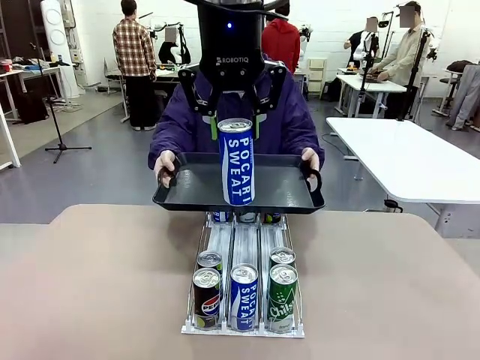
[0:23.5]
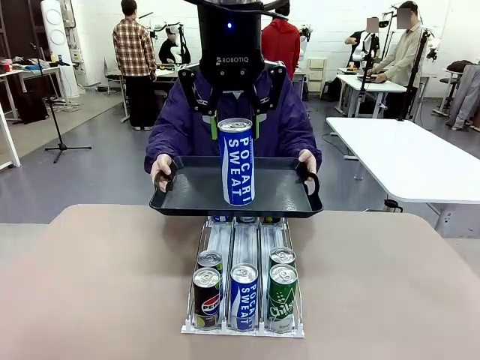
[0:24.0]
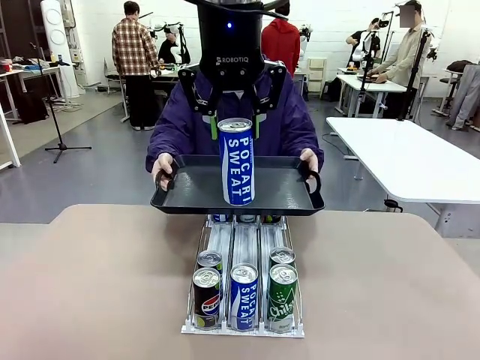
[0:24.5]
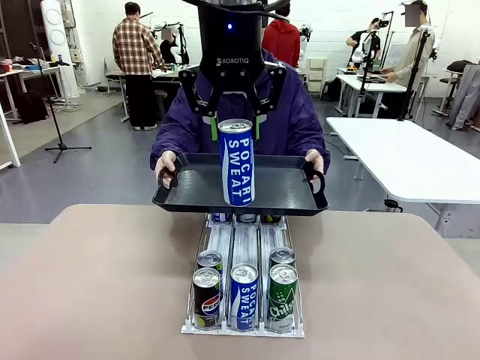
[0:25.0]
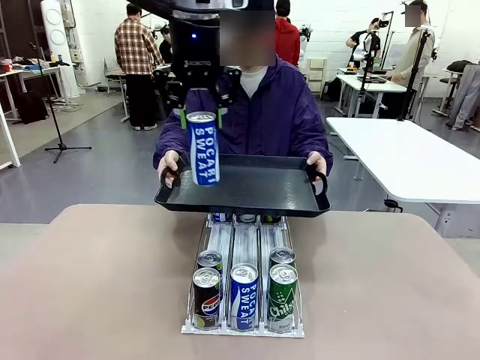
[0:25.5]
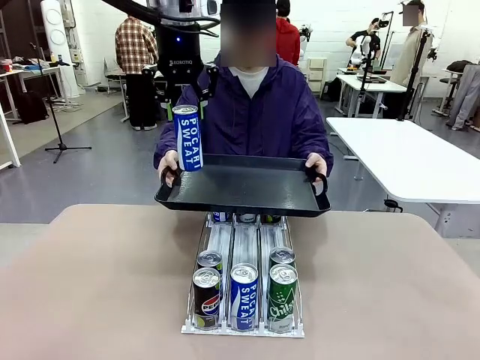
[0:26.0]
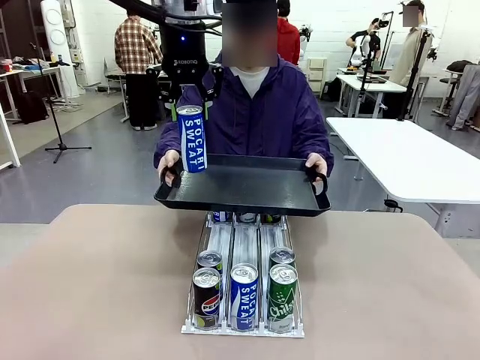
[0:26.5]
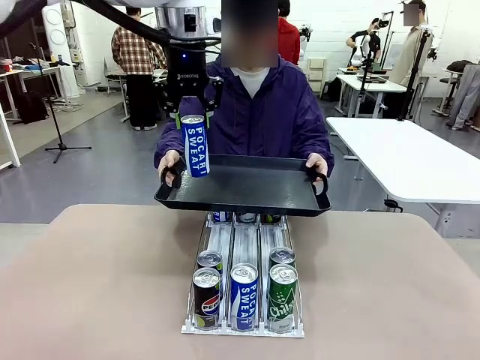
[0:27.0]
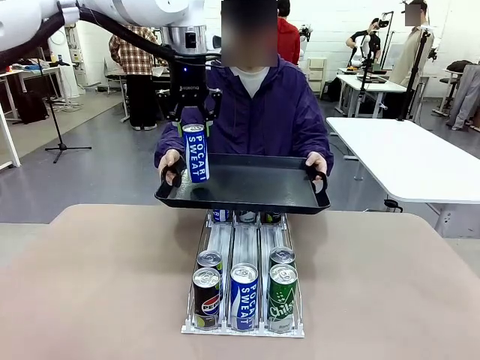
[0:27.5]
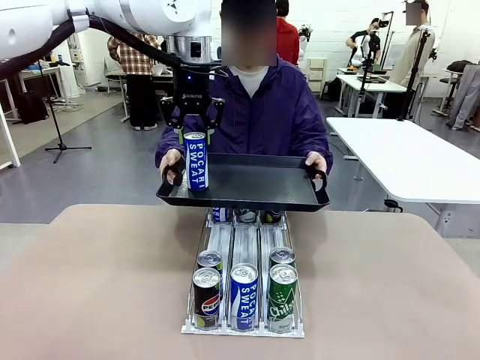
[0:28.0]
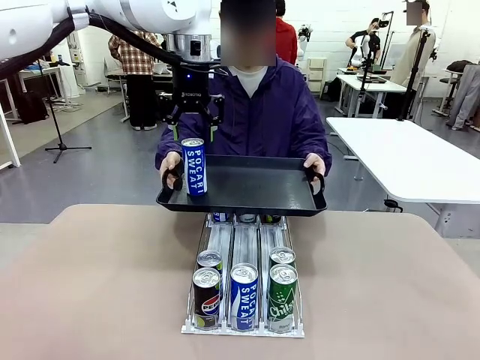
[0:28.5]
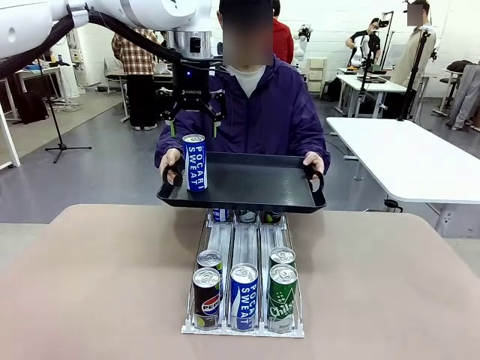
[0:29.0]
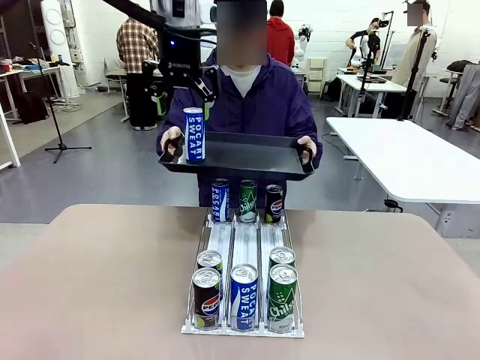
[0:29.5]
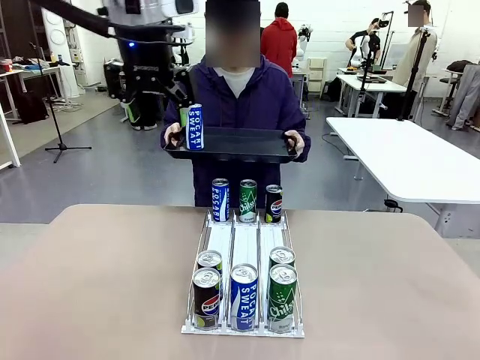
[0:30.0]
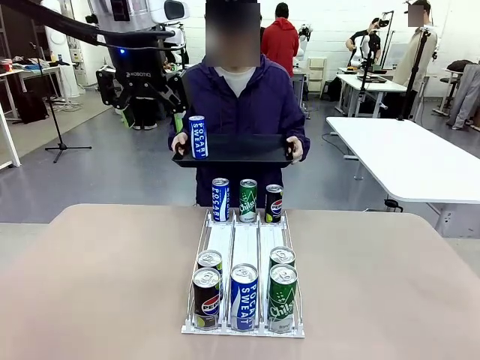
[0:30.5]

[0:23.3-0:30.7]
Task: Retrieve and hand over the desired beverage to the person.
Robot: Place the picked can on the Handle tray extended by the person.
Person: Pull the tray back, then pick up another can from the bottom area of the table and puts it back in its original place.

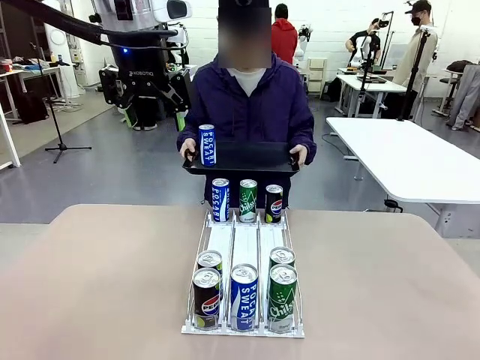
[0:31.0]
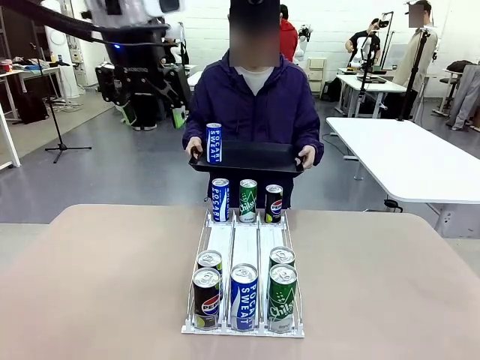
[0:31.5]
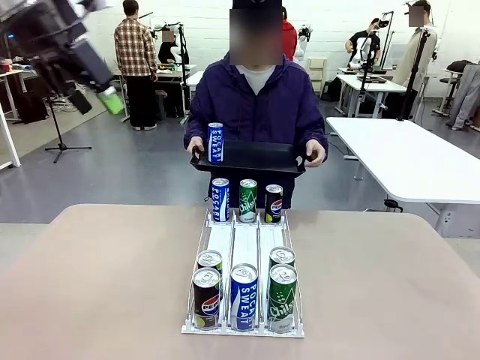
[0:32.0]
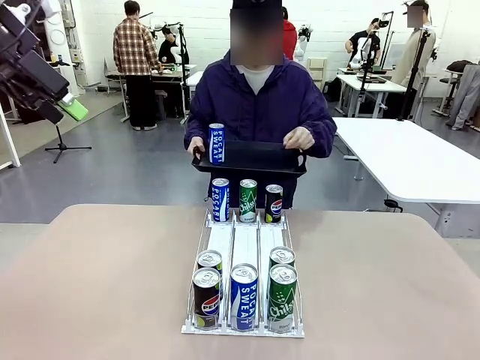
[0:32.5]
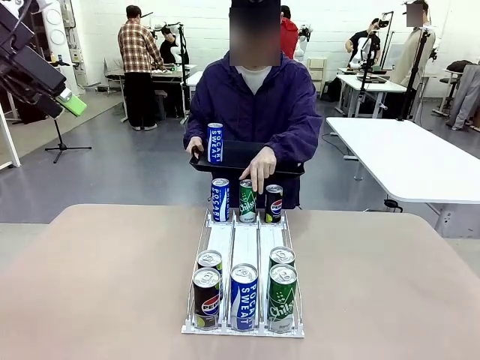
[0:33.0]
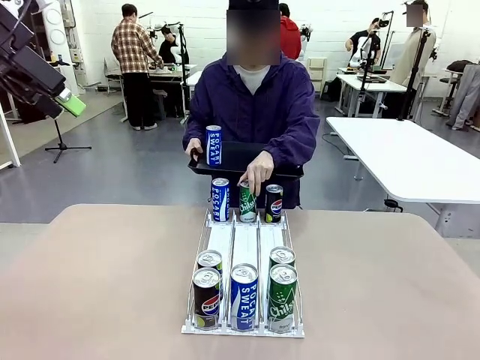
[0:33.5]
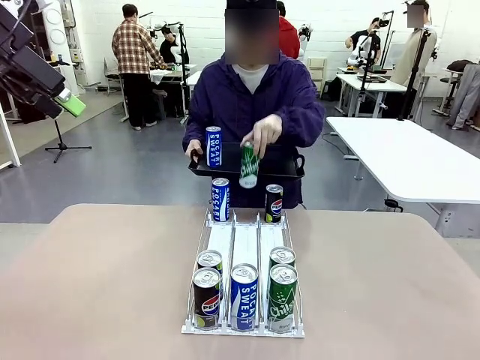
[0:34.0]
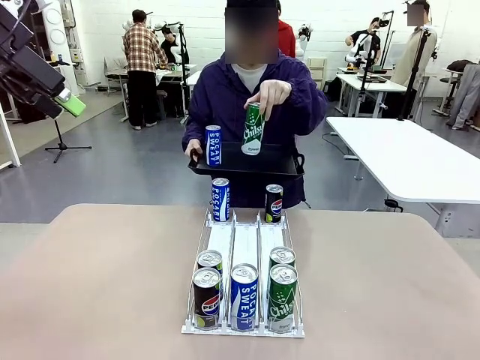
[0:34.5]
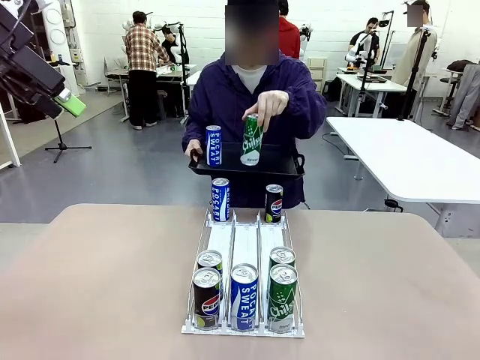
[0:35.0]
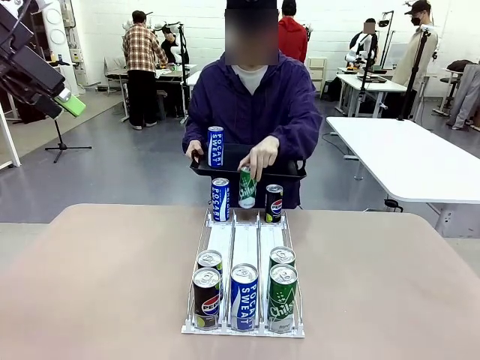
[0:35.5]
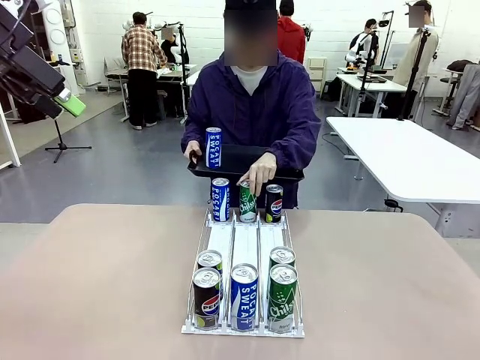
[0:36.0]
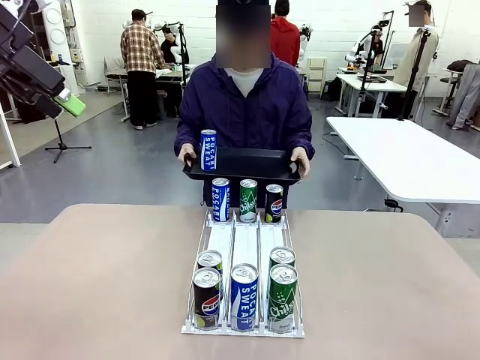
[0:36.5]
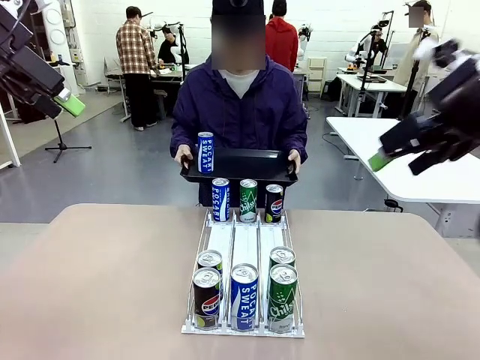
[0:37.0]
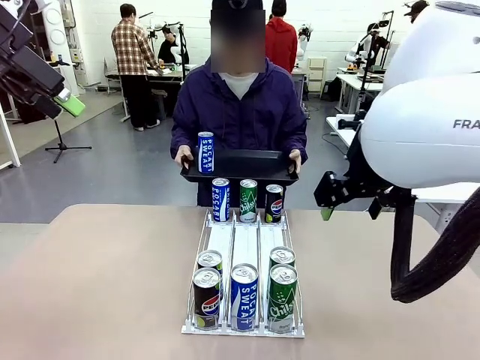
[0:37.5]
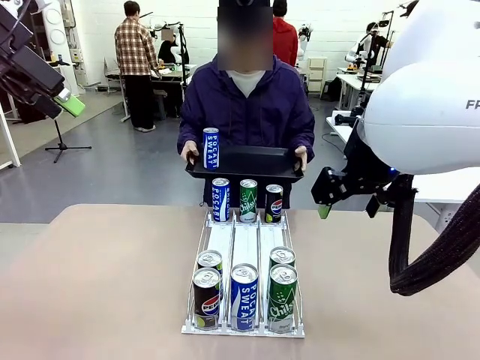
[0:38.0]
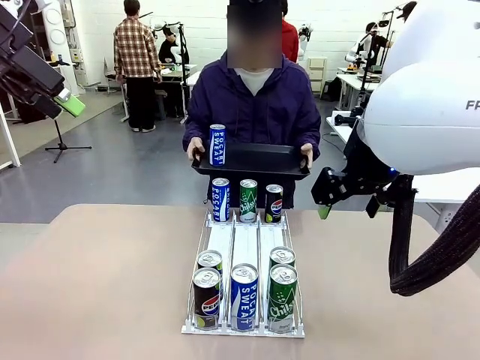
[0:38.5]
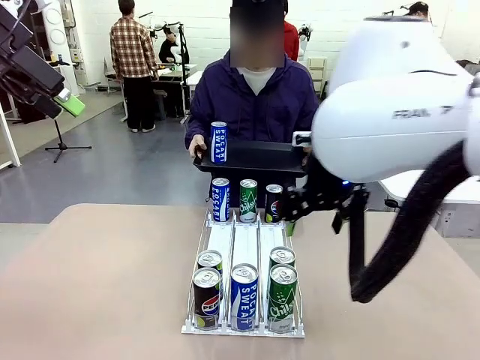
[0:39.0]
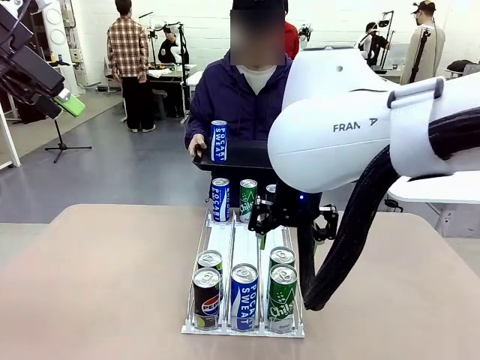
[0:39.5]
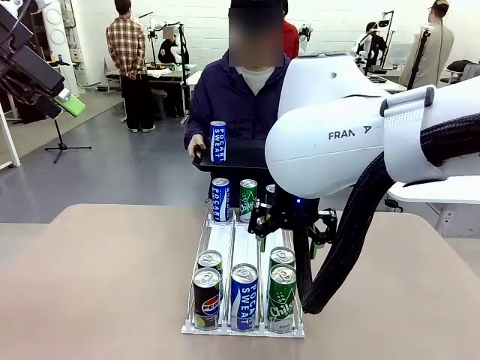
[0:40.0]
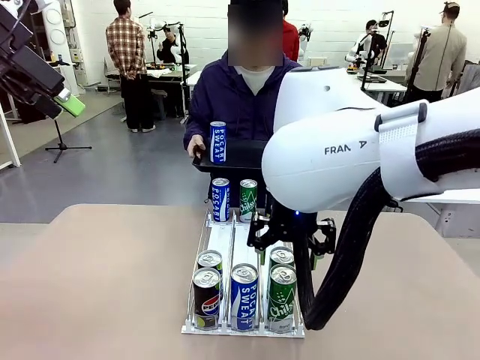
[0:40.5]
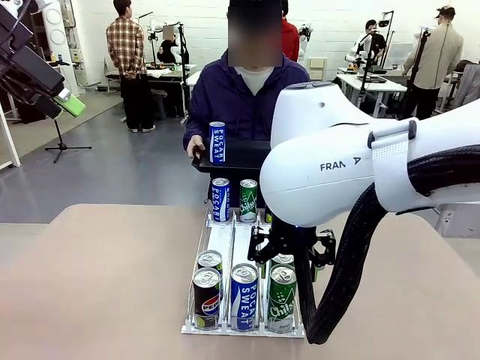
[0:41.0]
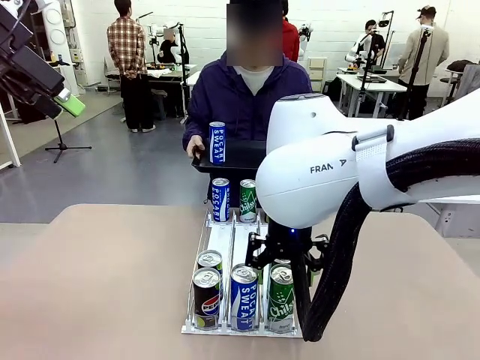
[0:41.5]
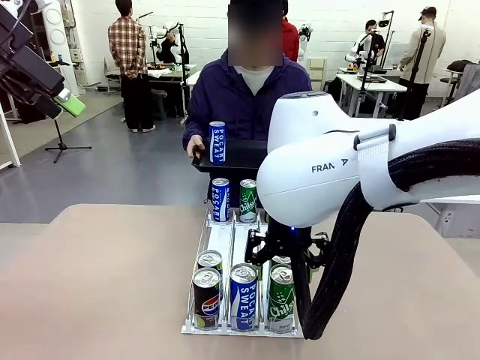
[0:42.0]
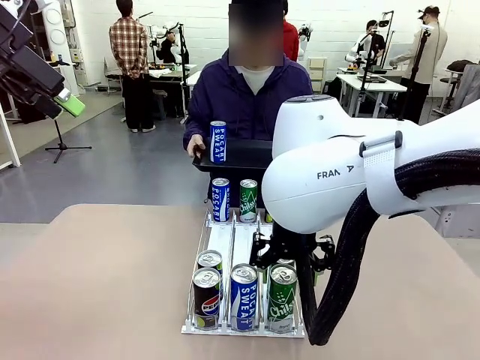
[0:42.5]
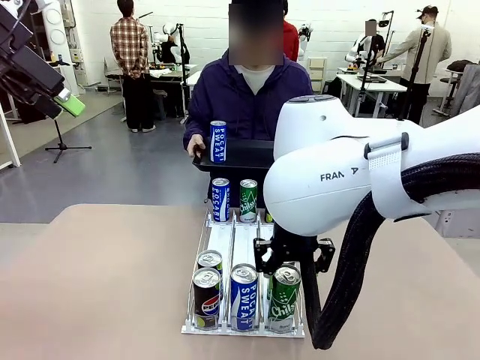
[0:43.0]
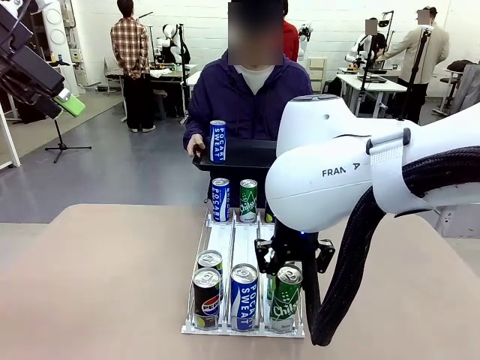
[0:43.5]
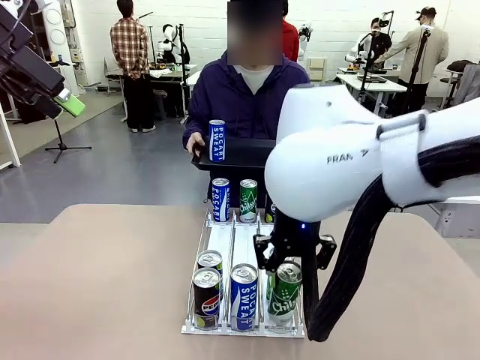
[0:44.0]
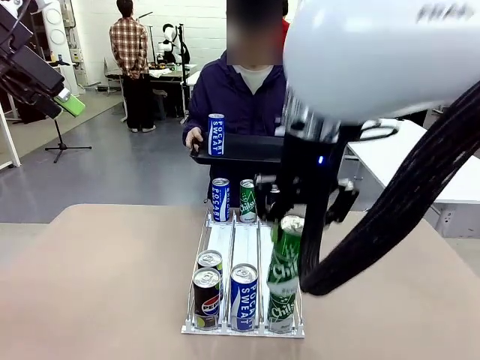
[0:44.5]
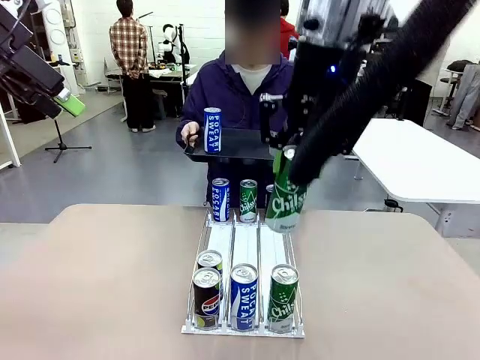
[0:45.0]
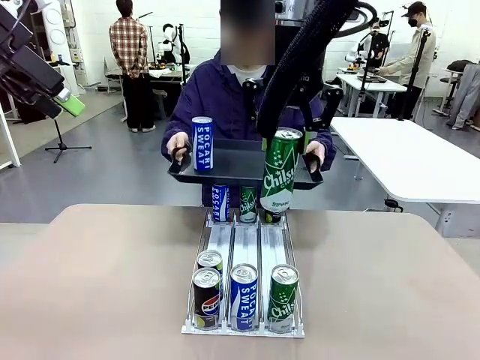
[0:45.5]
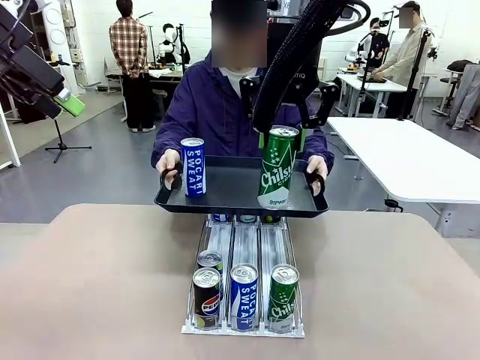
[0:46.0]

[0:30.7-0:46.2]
Robot: Pick up another can of the same type that the person held from the Automatic Can Dispenser.
Person: Push the tray toward the robot again.

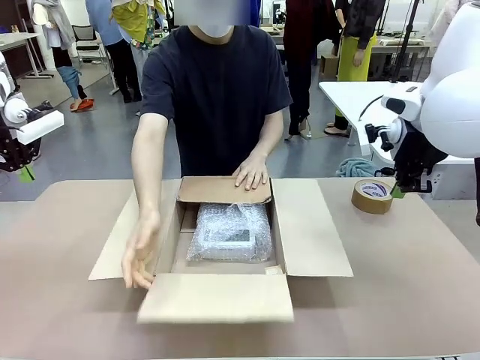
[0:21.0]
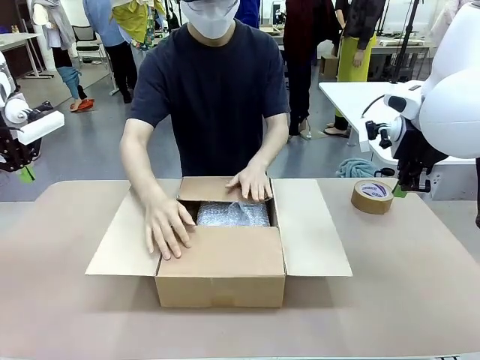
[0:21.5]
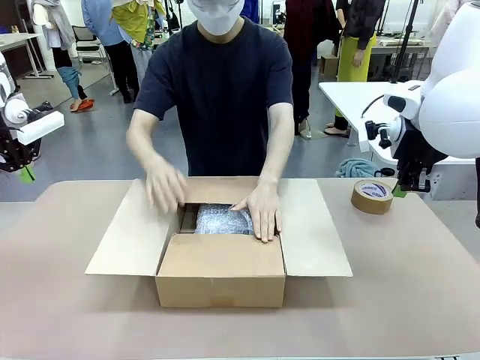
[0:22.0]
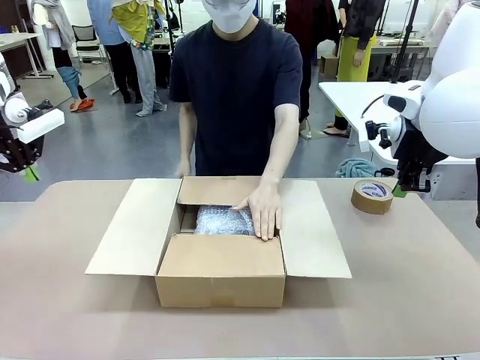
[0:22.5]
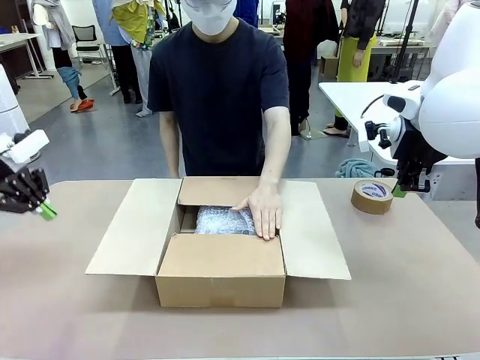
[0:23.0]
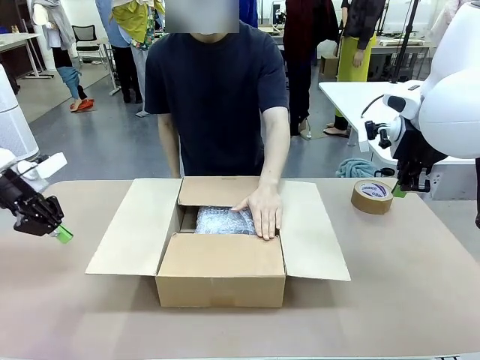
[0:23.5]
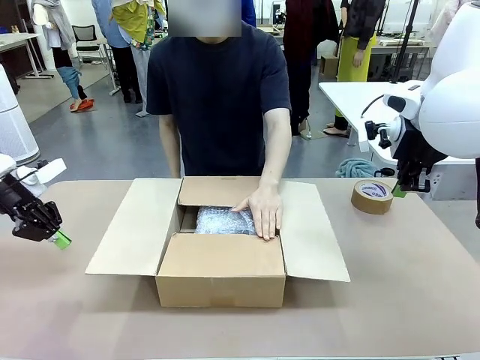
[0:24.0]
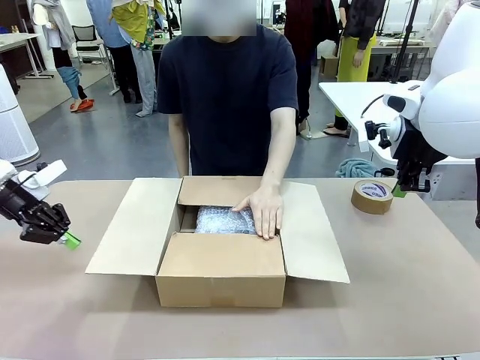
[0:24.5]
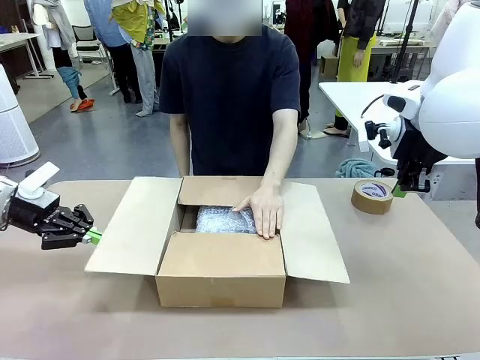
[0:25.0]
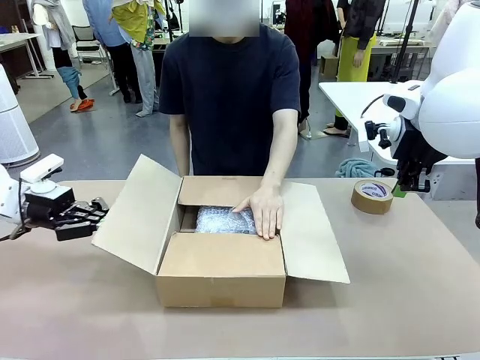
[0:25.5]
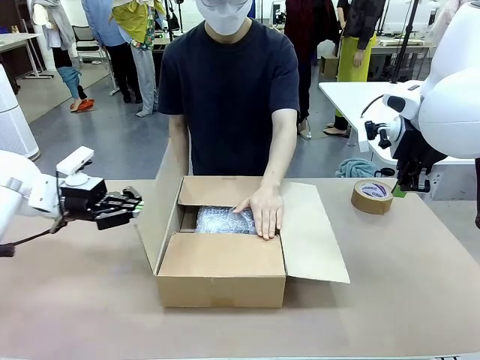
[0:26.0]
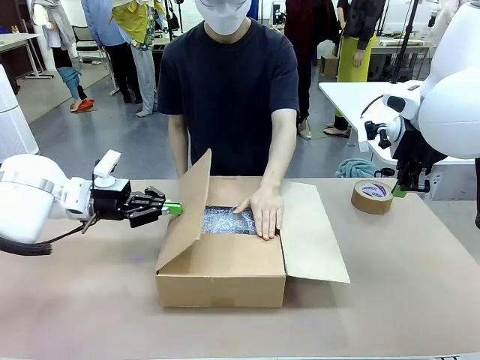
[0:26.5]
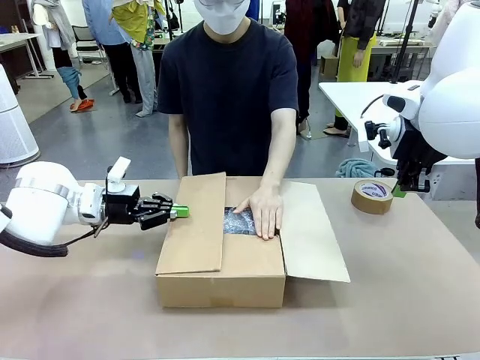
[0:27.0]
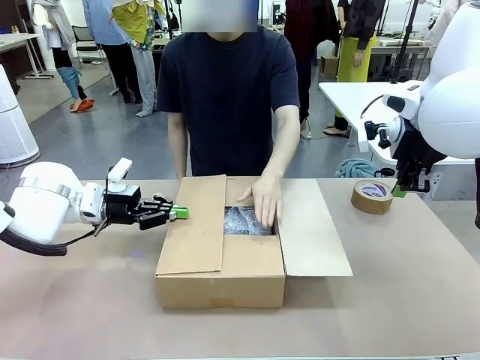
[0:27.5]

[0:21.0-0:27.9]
Task: Wrap the clocks to prevent damage.
Robot: Push the right (or left) flap of the Package Box to close it.
Person: Once the robot closes the right flap of the Package Box , release your left hand from the box.
